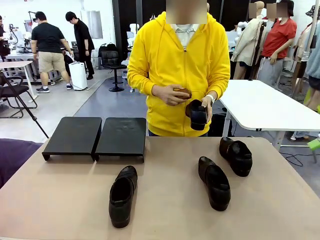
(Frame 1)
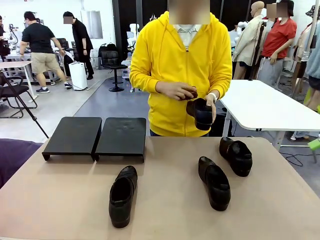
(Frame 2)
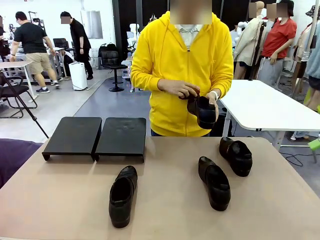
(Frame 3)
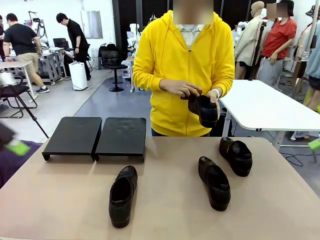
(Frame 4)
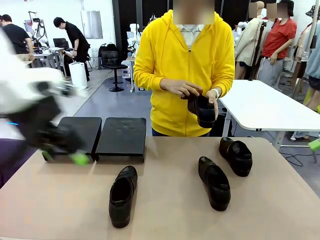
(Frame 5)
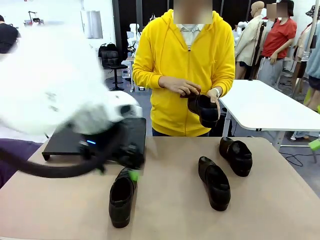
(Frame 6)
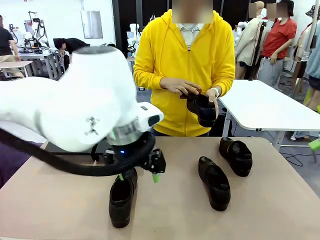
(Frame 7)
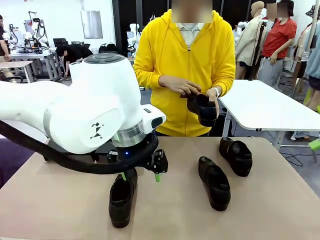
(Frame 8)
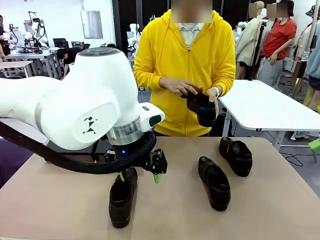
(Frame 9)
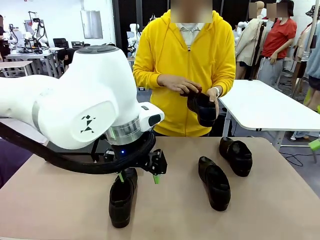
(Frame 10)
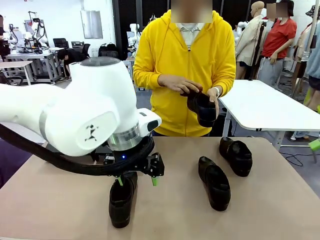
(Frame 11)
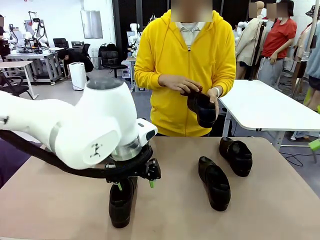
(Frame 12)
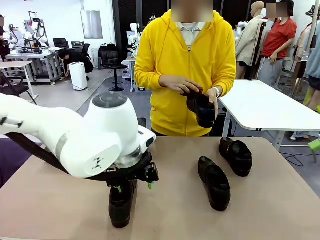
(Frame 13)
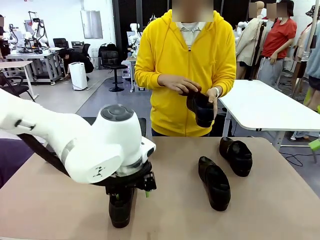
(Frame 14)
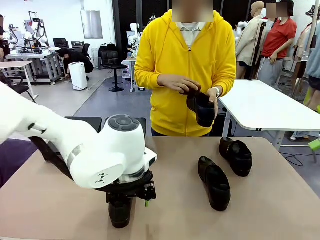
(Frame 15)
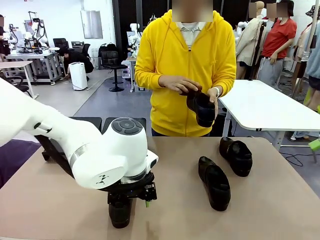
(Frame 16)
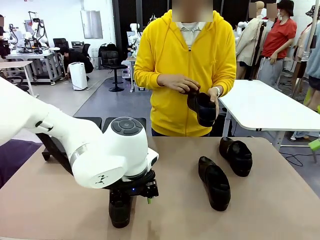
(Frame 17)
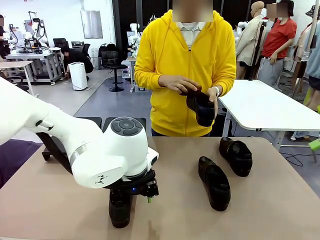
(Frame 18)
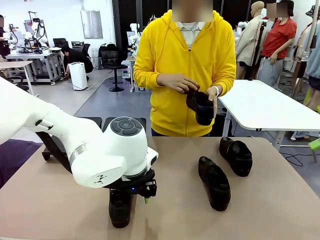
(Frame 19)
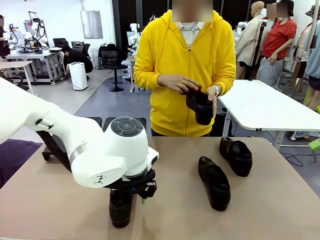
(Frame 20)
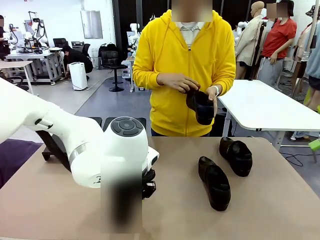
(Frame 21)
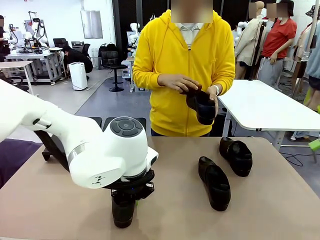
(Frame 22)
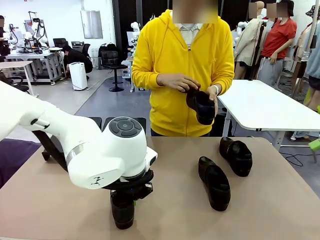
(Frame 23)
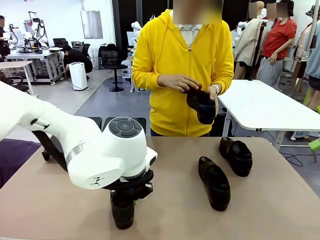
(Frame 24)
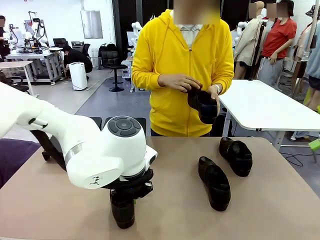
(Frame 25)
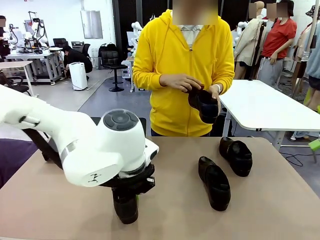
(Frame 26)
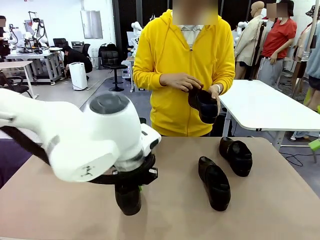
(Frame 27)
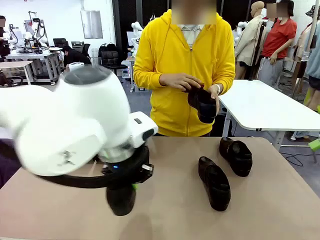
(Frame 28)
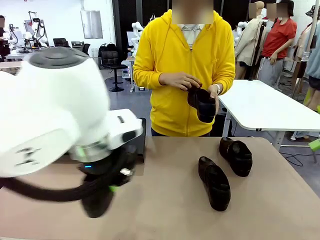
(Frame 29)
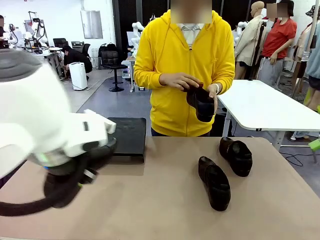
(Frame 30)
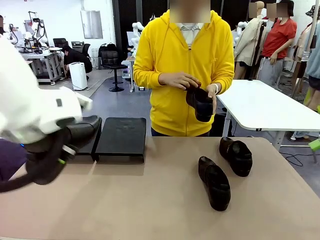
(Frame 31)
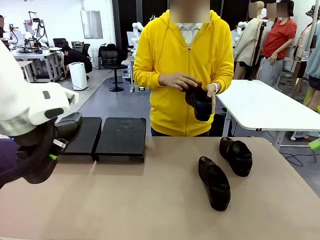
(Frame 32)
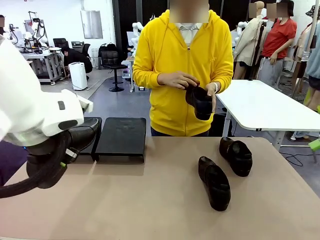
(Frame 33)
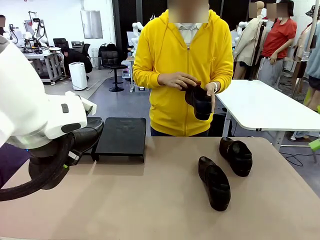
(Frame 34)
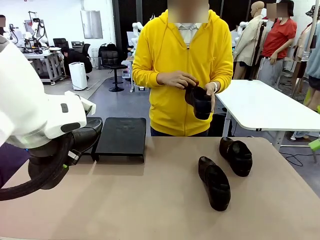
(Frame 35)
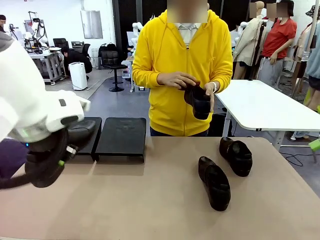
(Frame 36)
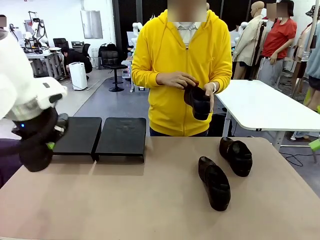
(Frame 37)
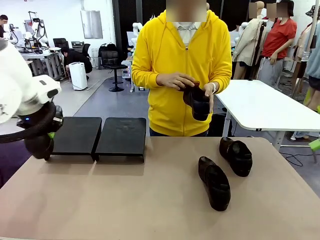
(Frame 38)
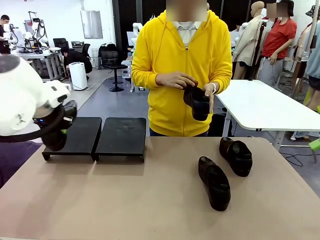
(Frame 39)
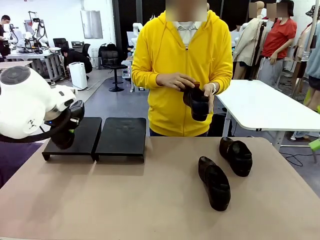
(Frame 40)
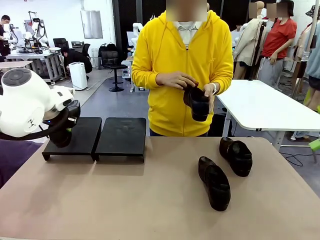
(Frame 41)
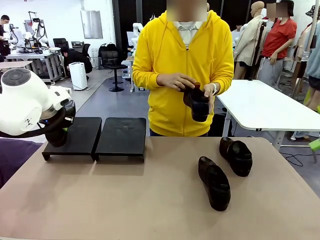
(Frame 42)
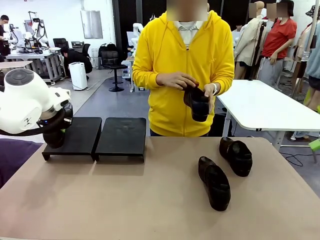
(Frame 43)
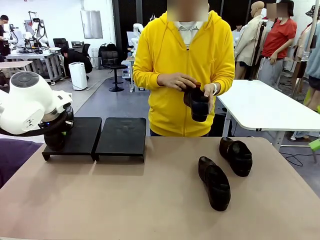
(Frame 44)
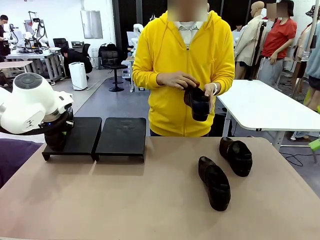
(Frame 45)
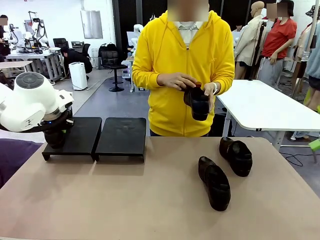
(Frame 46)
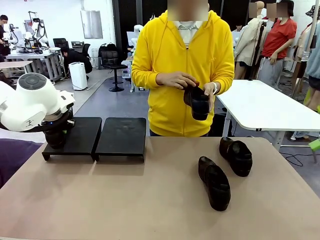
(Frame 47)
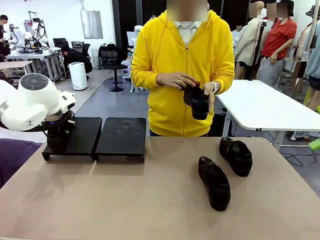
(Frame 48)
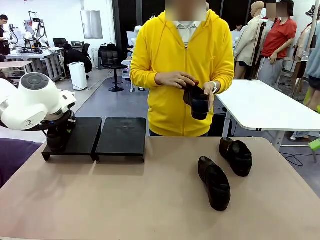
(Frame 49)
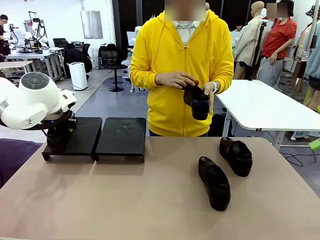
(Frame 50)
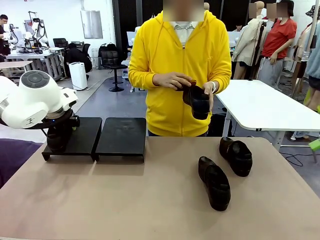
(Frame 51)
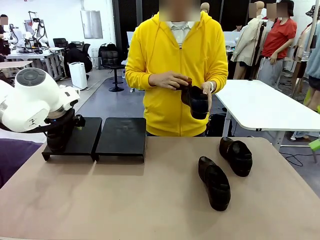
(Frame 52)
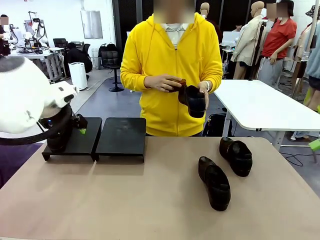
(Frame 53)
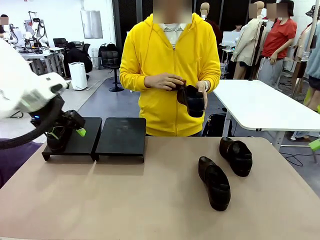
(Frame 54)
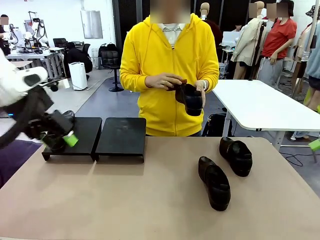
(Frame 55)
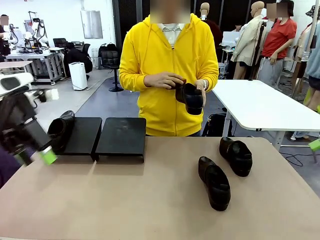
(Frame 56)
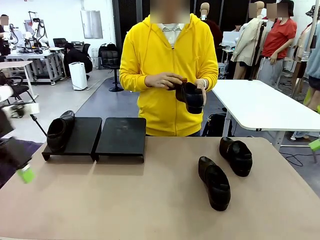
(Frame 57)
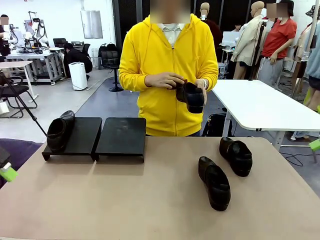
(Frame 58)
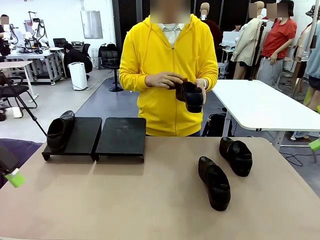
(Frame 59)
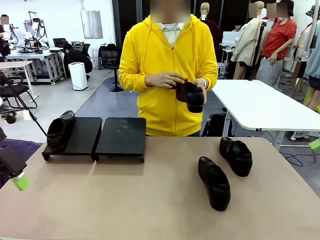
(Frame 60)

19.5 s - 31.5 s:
Task: Organize the shoes by placing them on the stand.
Robot: Place the Shoe from the middle of the table onto the Shoes Stand.
Person: Clean the Shoe with the Shoe Brush.

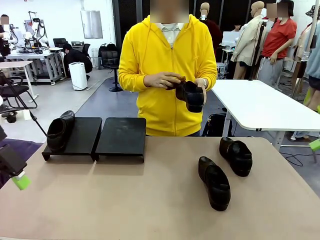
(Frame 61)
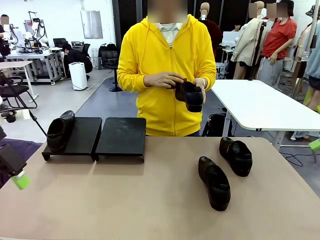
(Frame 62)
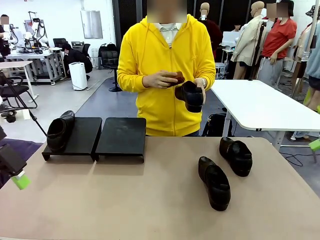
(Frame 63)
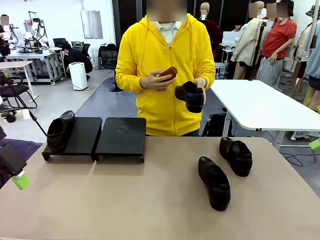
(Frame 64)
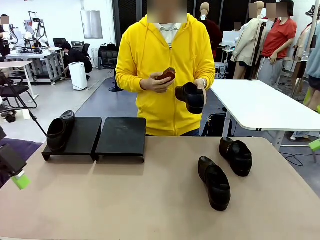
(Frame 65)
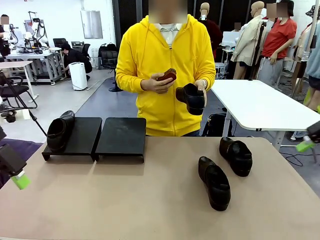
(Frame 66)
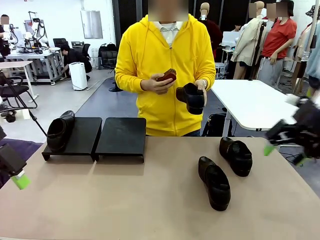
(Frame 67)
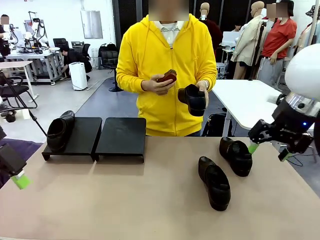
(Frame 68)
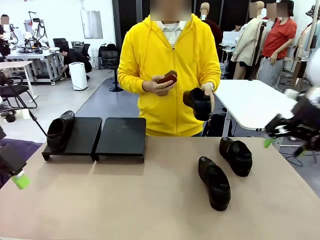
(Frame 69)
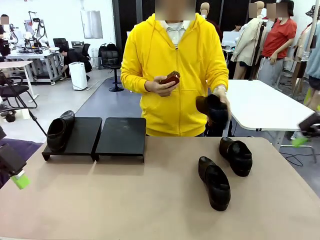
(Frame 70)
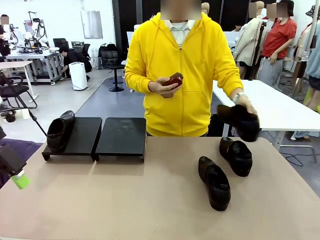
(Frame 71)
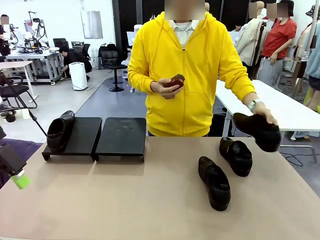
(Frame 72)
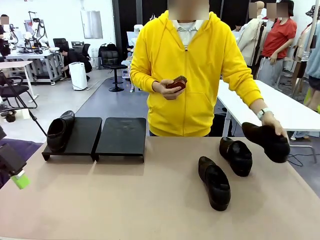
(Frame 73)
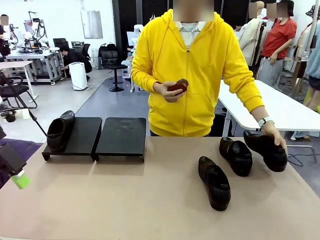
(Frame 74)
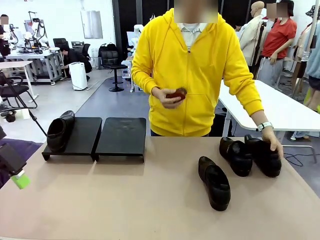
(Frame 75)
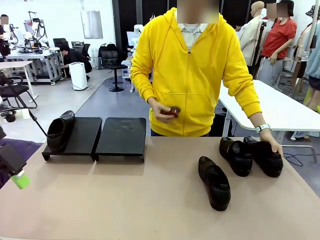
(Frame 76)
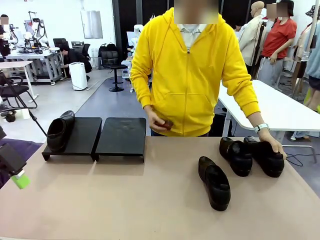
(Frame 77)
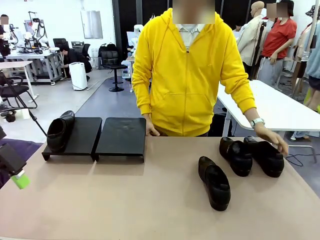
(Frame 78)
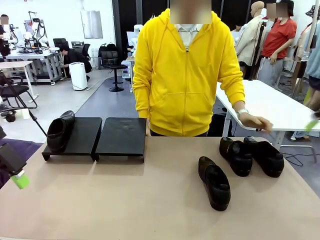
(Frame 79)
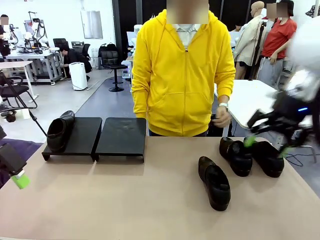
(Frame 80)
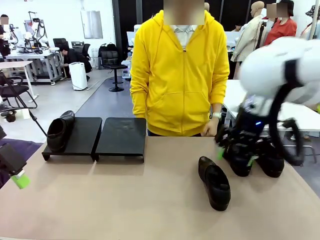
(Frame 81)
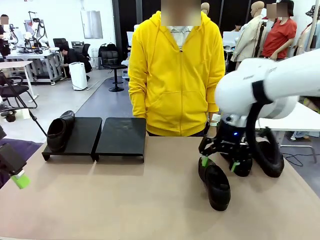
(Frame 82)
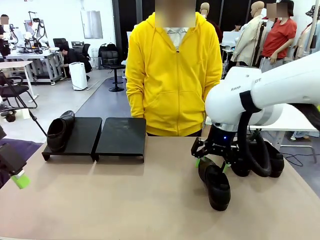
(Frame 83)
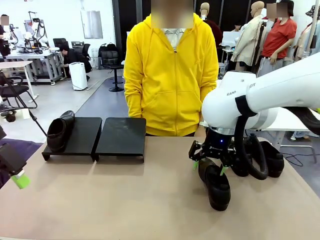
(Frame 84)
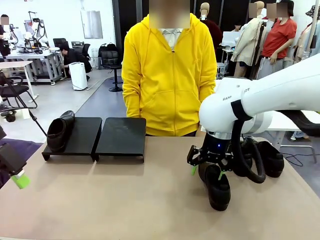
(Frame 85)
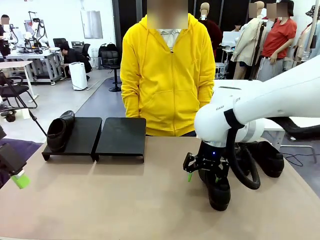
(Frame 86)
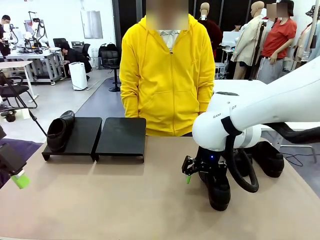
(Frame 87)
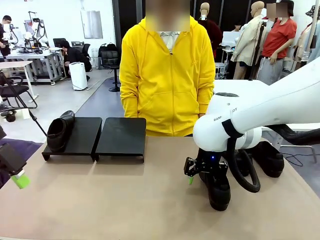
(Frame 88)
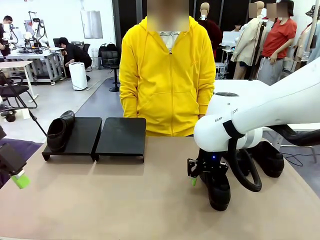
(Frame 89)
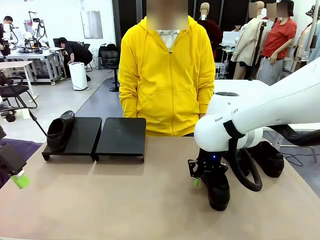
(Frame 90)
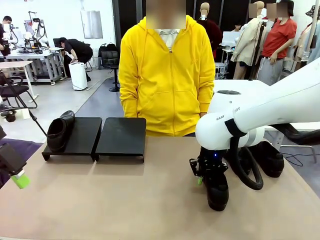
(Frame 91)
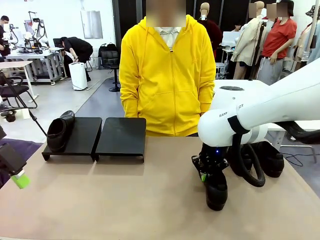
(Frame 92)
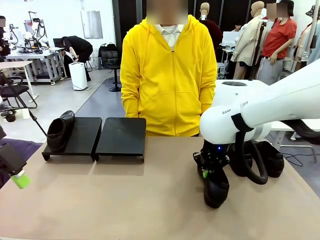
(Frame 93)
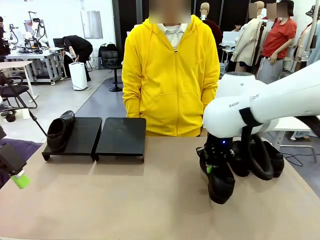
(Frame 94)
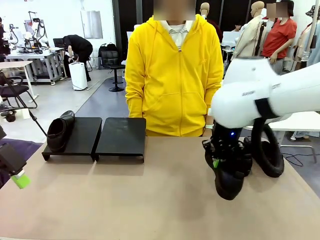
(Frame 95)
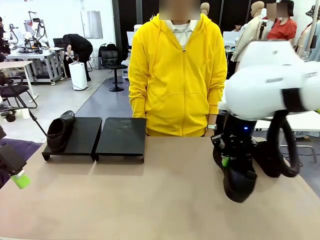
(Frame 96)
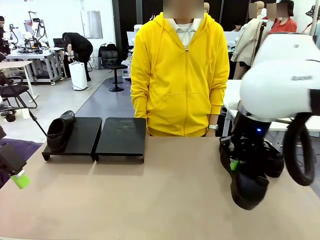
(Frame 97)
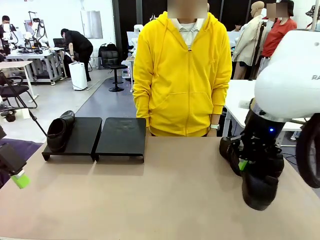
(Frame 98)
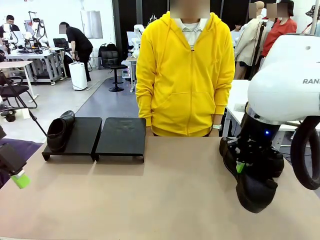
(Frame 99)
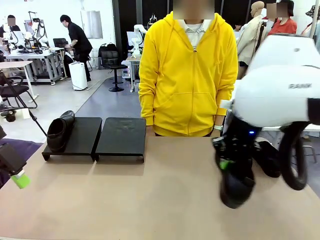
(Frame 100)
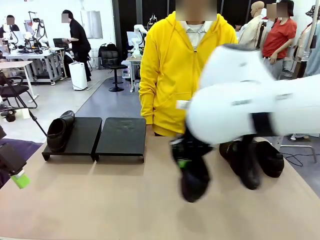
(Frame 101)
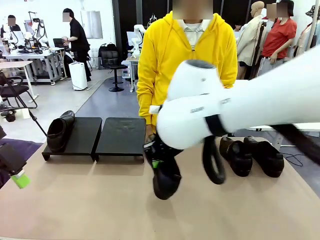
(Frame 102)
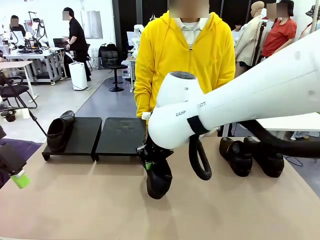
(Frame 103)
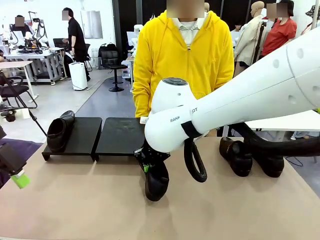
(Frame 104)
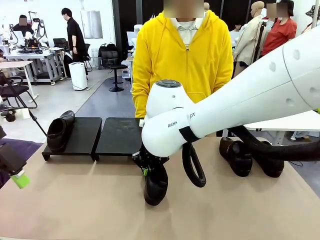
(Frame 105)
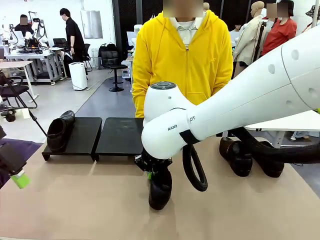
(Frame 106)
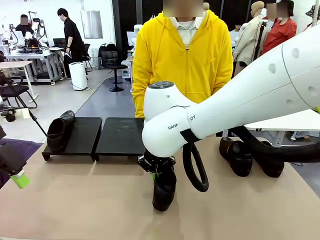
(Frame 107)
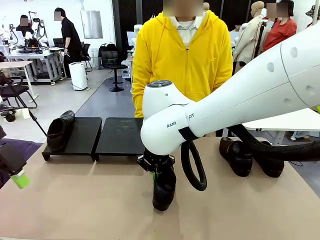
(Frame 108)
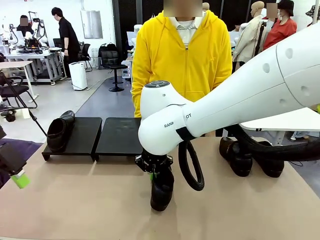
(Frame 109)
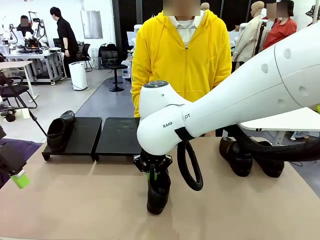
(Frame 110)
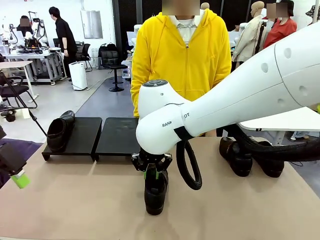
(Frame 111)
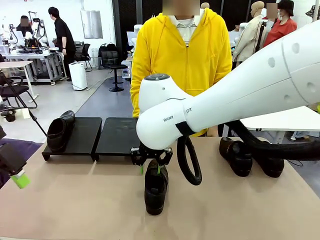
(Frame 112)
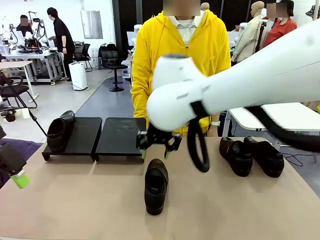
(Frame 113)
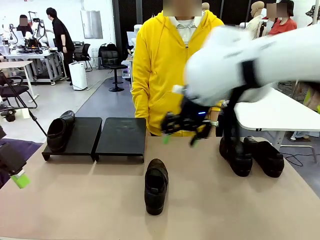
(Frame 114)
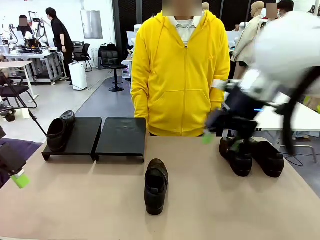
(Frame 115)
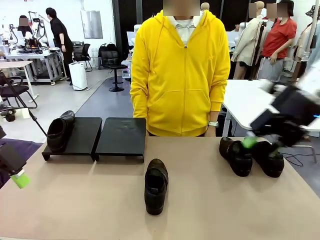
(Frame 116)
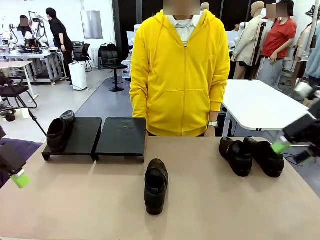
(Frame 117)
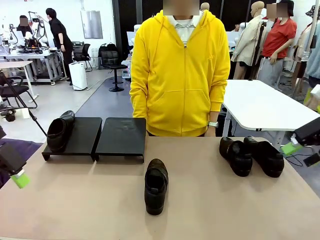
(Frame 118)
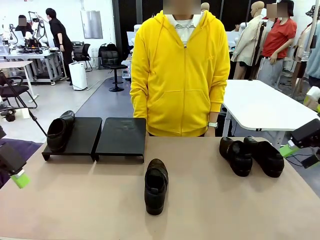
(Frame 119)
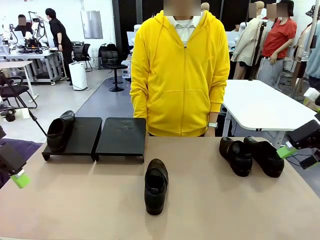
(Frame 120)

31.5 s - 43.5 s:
Robot: Pick up one Shoe and place it in the middle of the table.
